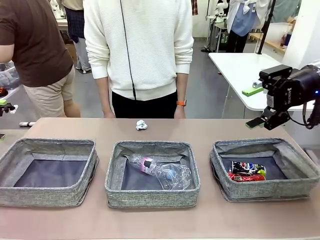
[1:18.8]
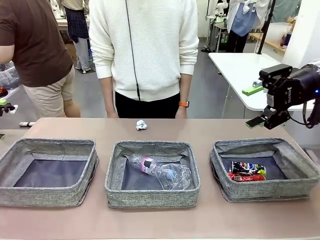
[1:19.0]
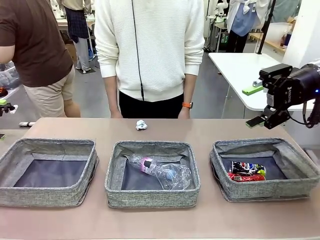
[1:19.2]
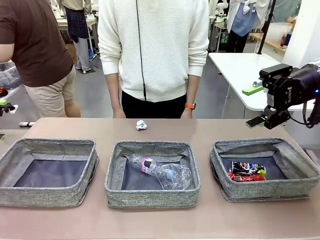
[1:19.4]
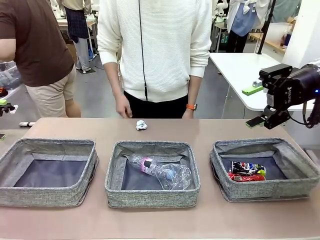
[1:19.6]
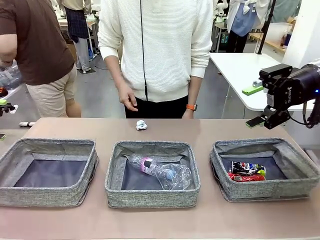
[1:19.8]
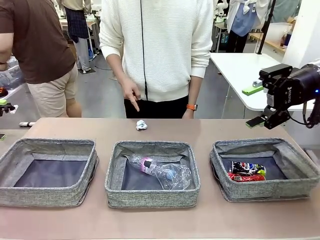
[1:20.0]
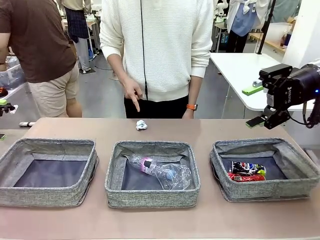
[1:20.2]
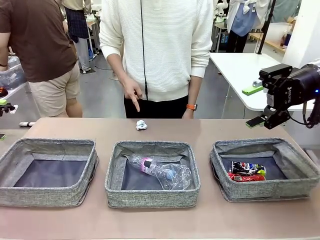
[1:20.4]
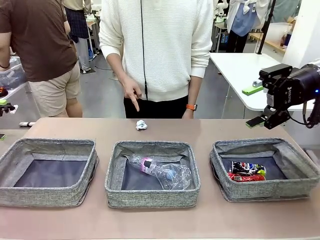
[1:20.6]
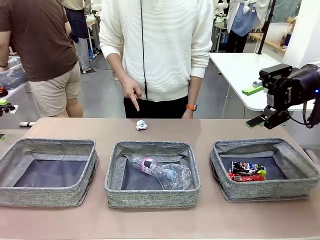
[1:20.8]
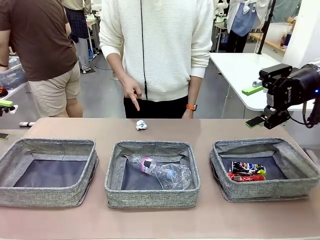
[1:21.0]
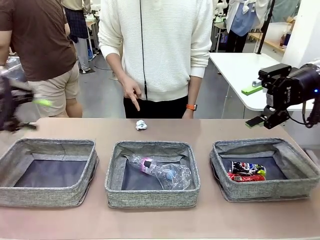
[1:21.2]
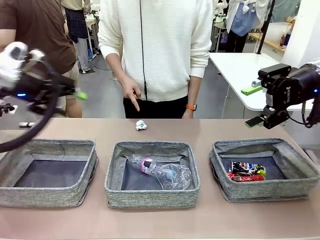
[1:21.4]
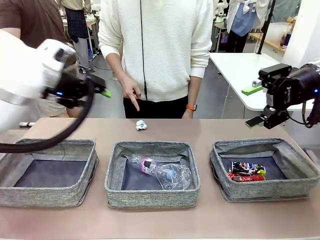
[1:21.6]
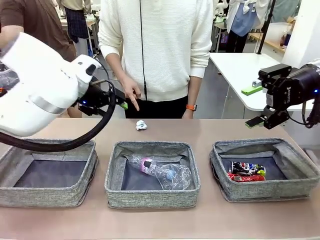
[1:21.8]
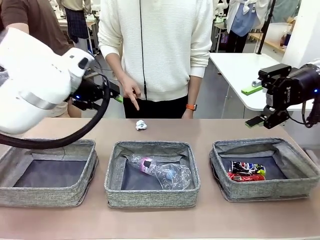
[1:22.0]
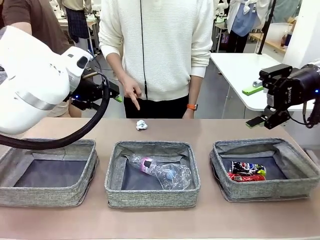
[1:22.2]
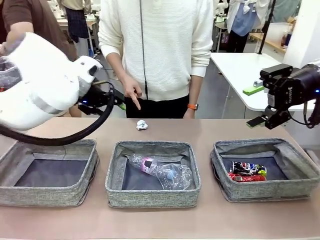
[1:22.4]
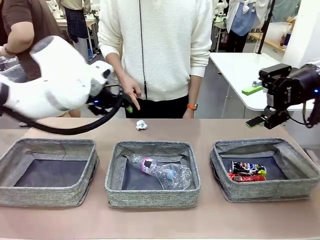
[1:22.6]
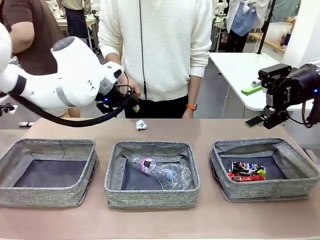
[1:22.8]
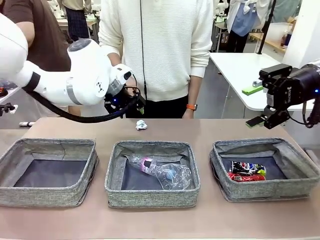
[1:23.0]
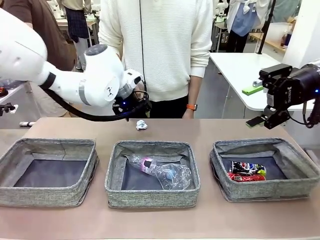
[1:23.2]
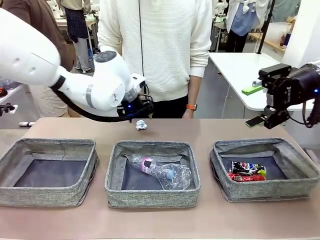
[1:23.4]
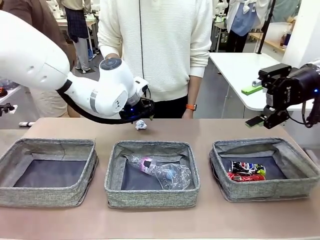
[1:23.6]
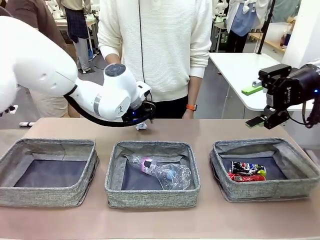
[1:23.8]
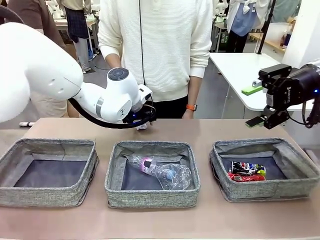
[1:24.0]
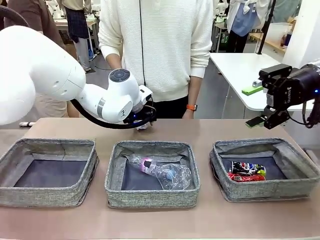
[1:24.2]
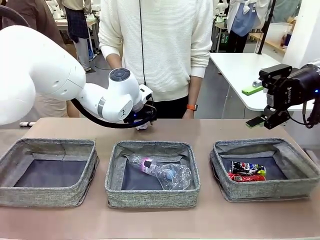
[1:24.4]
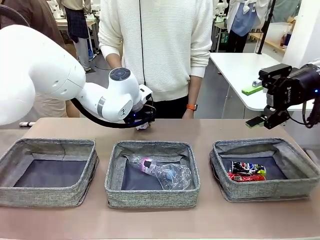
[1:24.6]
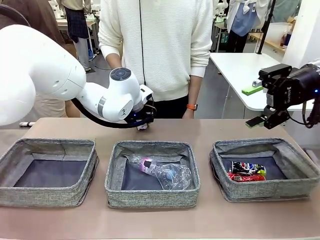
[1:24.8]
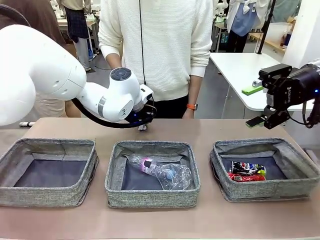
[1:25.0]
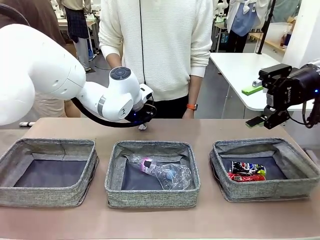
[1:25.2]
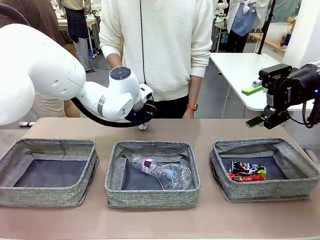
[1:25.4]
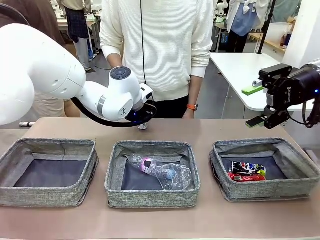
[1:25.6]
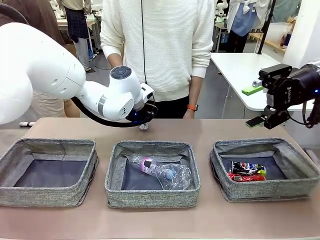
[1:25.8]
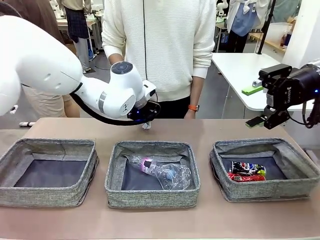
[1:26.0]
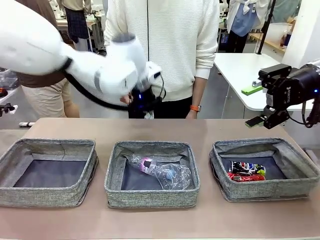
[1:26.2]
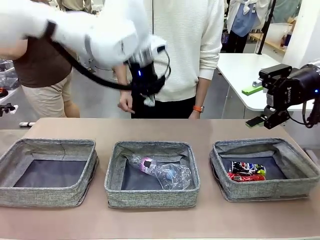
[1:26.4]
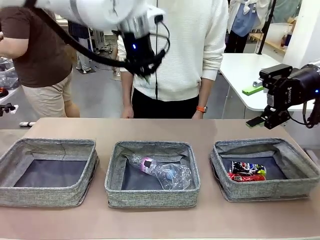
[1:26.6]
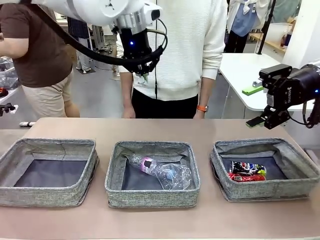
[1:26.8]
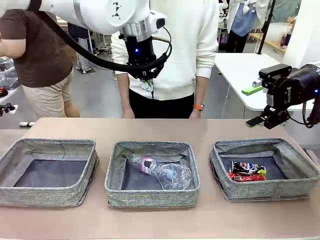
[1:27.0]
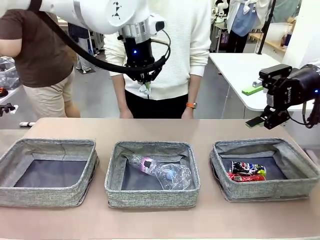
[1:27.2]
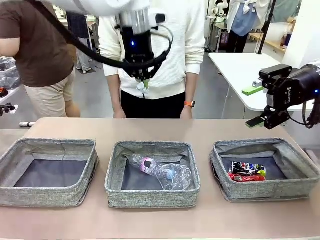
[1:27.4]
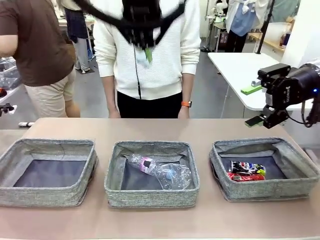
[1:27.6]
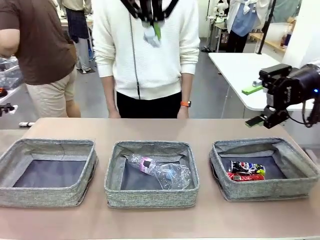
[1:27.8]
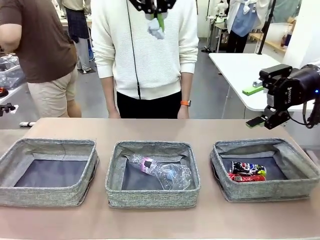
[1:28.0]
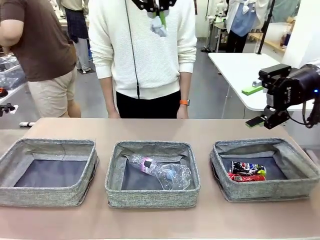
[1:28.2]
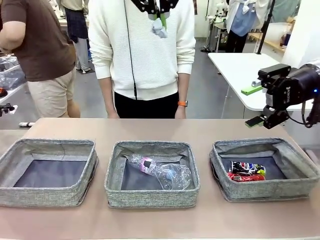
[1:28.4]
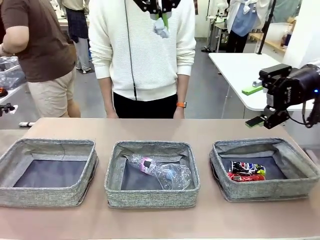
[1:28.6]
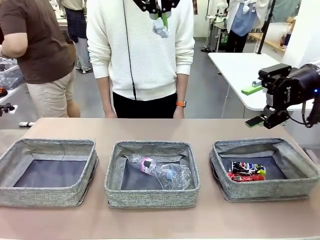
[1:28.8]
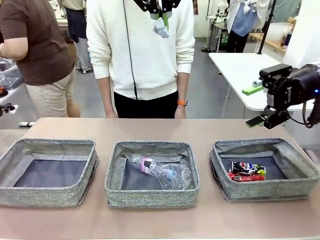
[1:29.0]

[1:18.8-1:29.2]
Task: Sort the waste into the appropriate baskets.
Robot: Pick up the waste item pointed out by the person.
Person: Points to one piece of trash on the table.

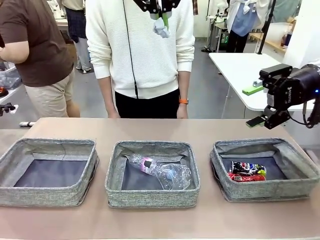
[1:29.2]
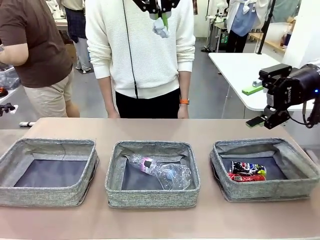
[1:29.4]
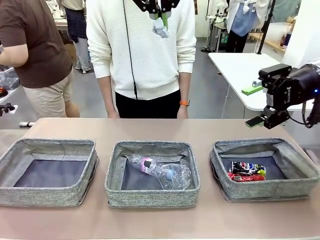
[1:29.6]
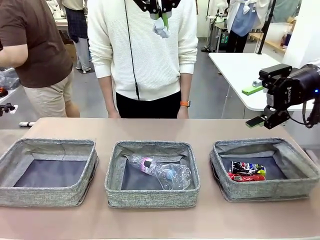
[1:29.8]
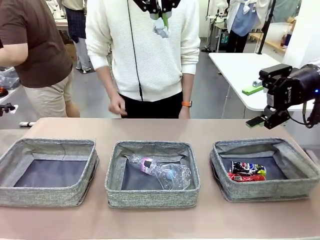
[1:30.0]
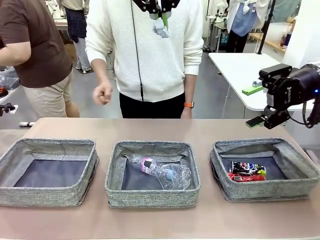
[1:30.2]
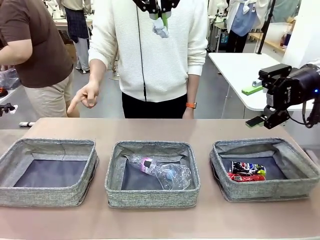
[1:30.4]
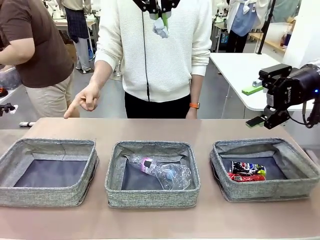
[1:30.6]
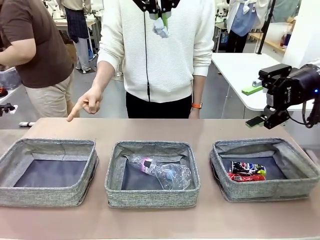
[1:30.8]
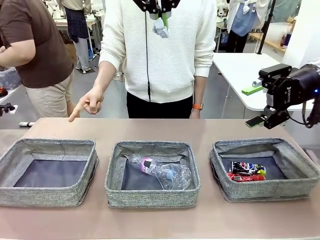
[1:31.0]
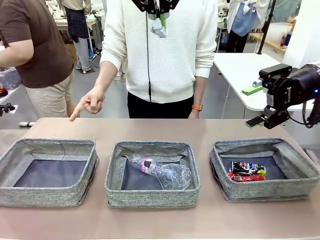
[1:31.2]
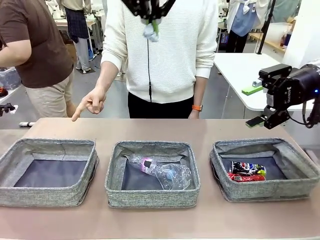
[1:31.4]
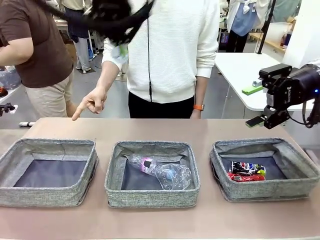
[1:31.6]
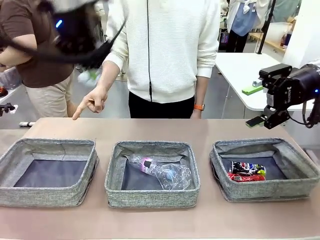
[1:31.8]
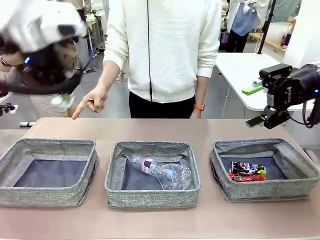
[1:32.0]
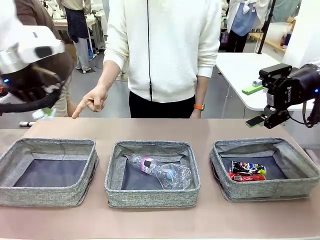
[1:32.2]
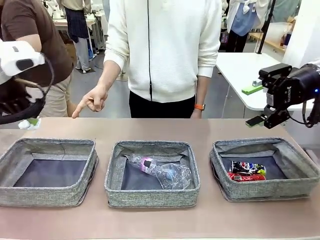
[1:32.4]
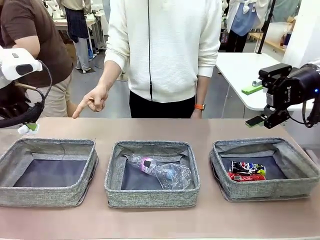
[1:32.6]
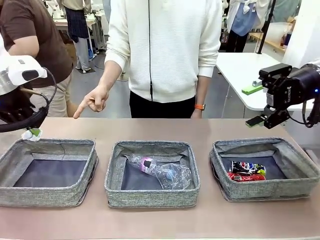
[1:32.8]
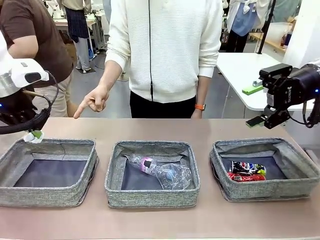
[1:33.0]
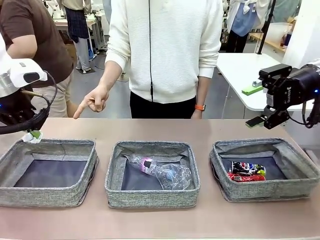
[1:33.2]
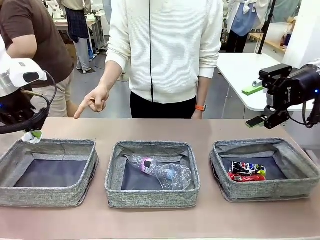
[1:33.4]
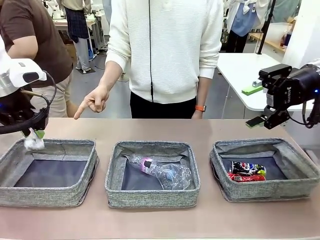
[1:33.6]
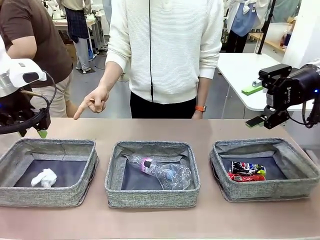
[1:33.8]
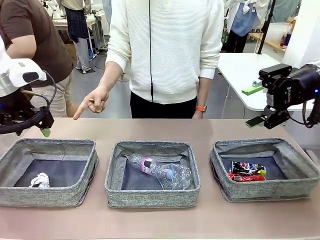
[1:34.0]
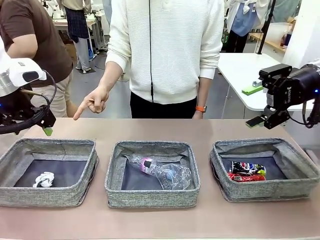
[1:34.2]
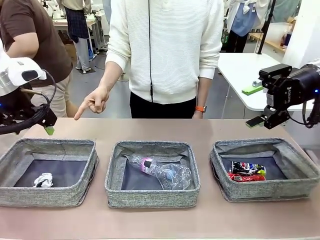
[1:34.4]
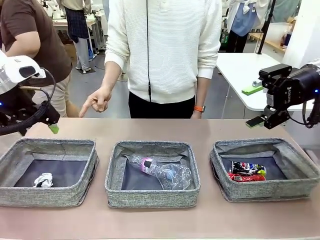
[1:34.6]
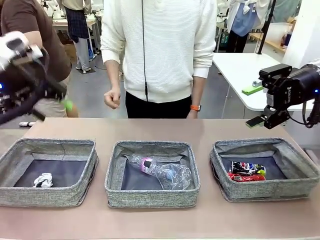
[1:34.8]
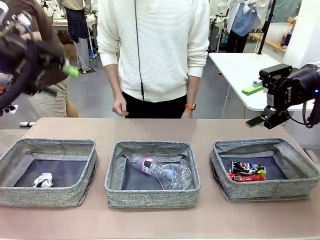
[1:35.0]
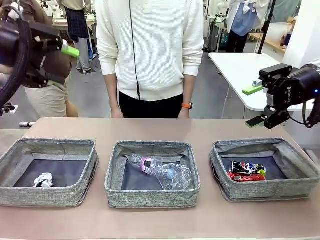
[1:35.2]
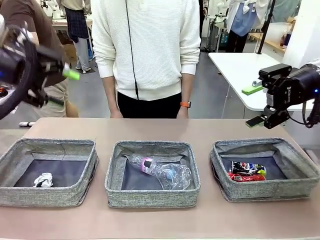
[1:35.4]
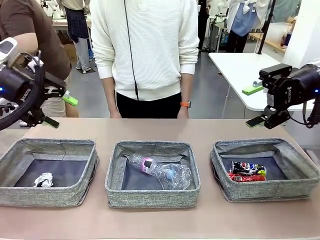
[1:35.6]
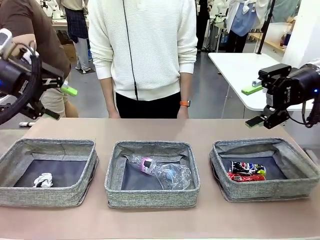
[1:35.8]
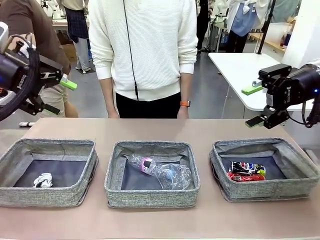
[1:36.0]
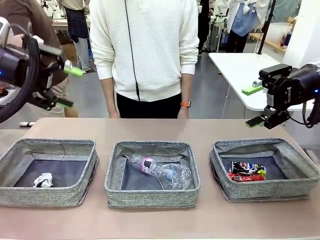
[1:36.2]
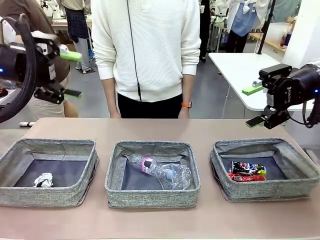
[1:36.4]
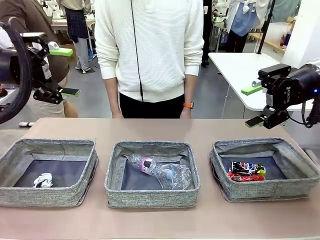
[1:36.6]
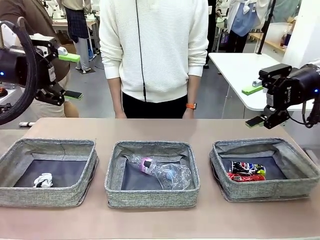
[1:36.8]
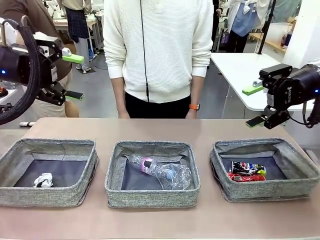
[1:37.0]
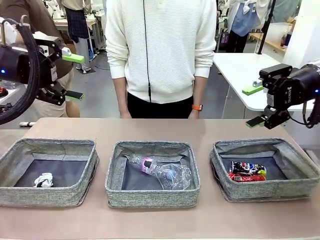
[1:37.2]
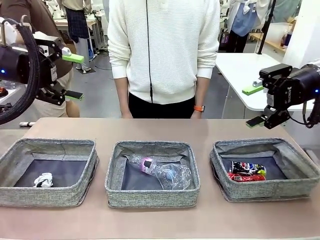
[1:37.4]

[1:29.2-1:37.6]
Robot: Place the picked waste into the Fabric basket indicated by the person.
Person: Instructs the robot to place the picked-up trash into the appropriate organizing basket.
